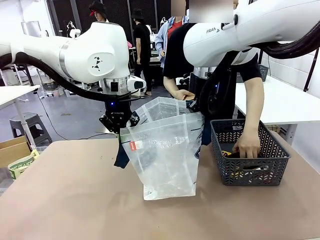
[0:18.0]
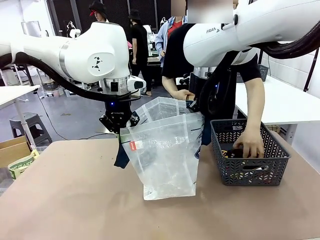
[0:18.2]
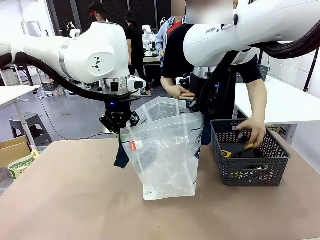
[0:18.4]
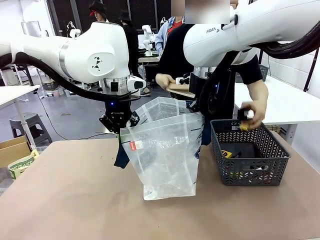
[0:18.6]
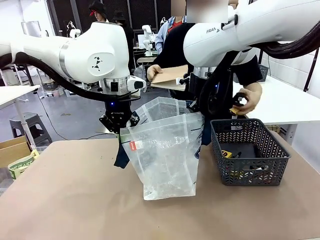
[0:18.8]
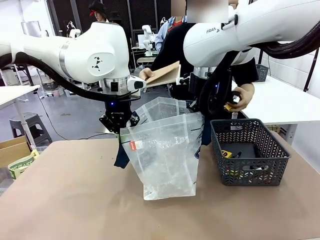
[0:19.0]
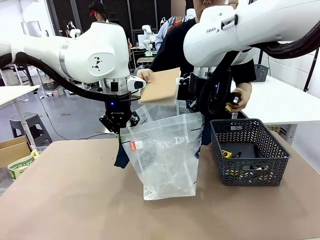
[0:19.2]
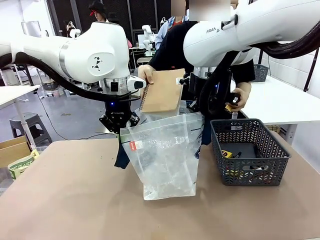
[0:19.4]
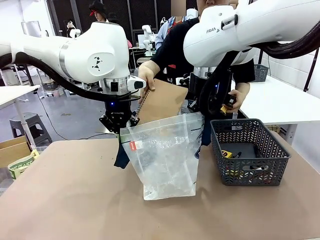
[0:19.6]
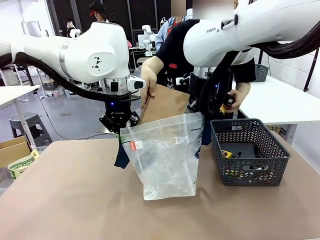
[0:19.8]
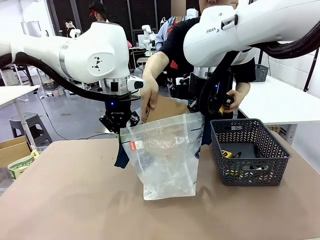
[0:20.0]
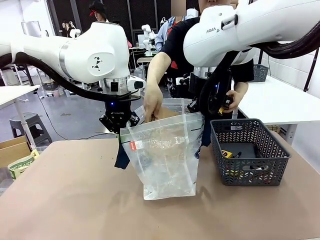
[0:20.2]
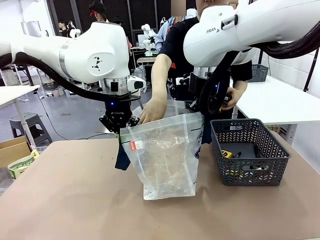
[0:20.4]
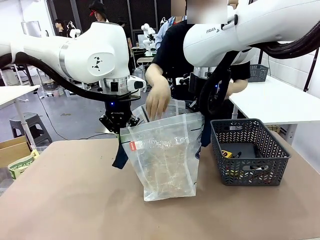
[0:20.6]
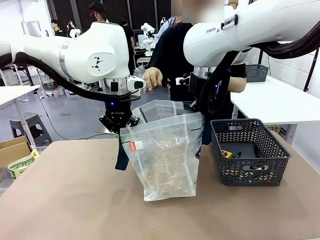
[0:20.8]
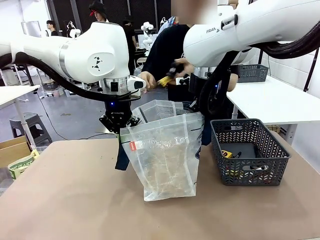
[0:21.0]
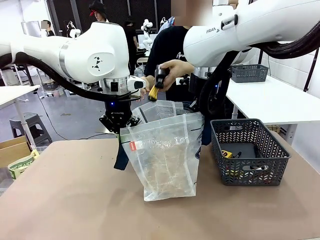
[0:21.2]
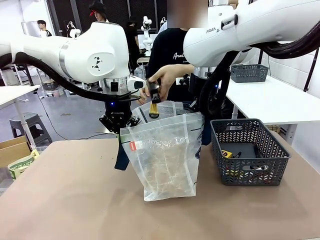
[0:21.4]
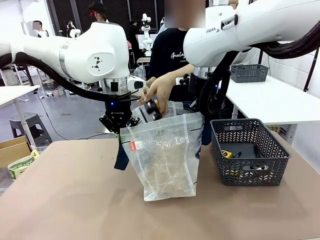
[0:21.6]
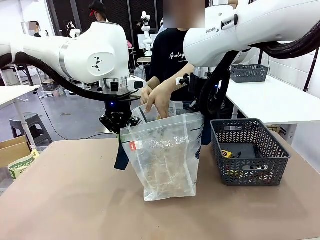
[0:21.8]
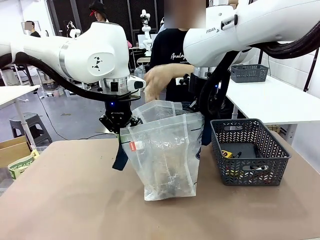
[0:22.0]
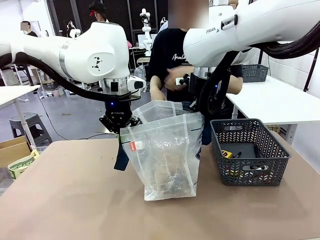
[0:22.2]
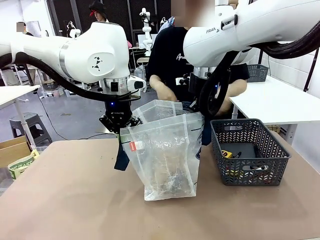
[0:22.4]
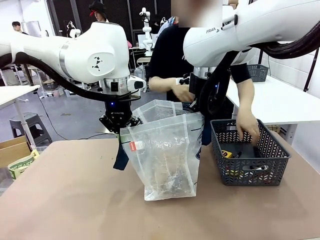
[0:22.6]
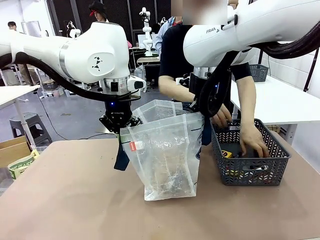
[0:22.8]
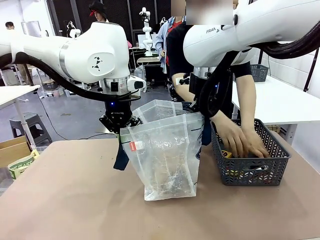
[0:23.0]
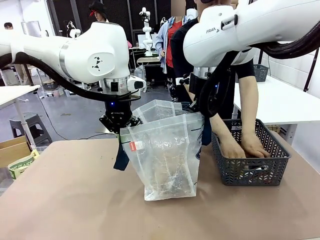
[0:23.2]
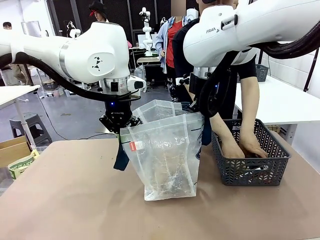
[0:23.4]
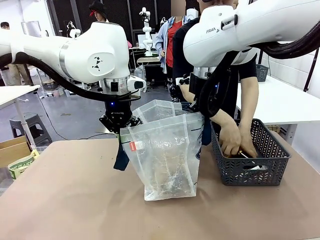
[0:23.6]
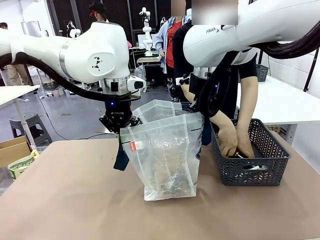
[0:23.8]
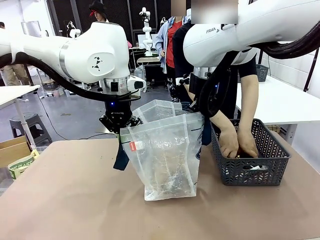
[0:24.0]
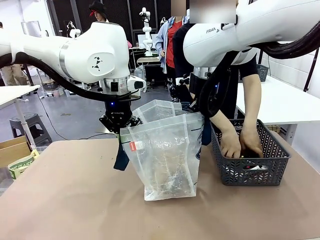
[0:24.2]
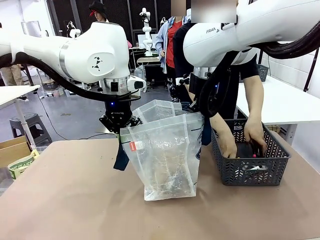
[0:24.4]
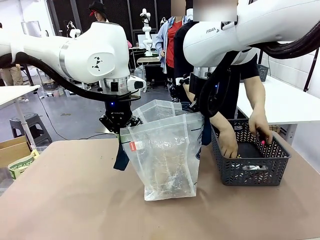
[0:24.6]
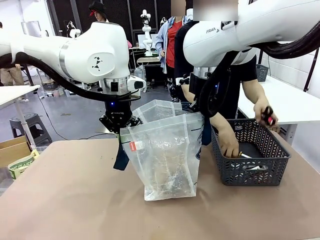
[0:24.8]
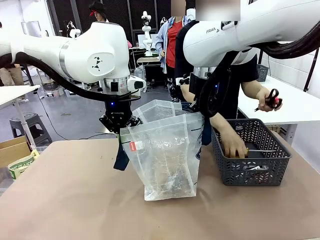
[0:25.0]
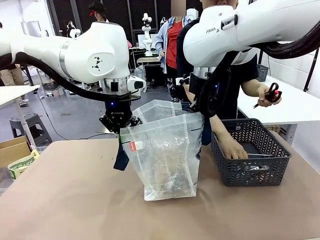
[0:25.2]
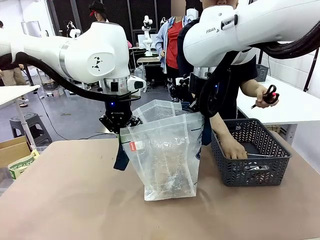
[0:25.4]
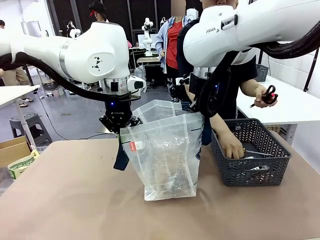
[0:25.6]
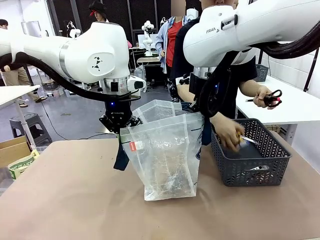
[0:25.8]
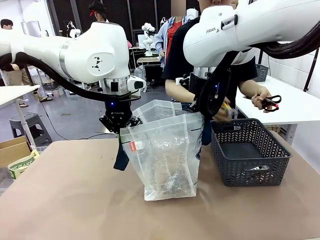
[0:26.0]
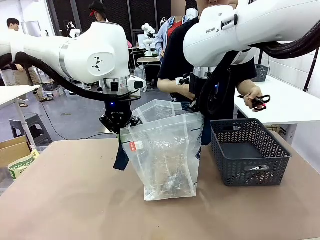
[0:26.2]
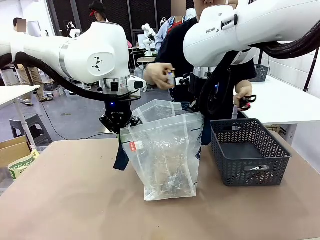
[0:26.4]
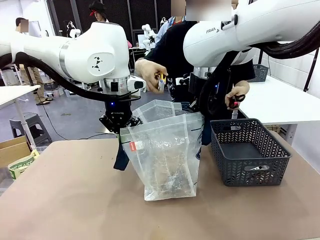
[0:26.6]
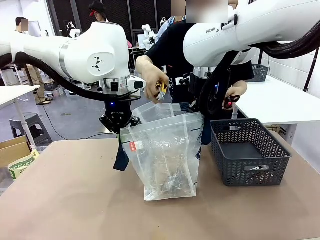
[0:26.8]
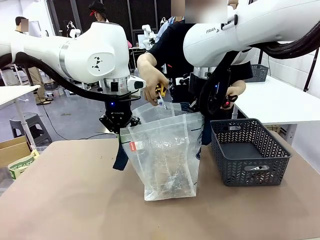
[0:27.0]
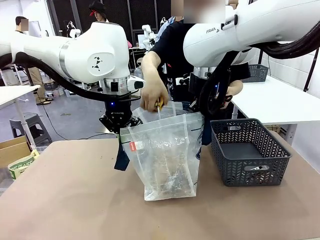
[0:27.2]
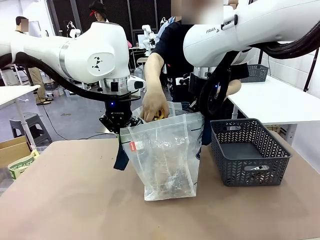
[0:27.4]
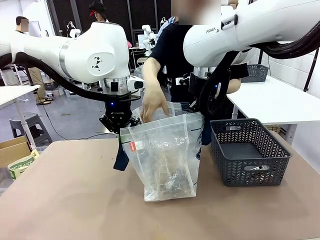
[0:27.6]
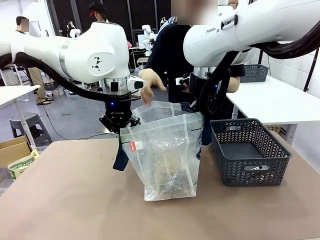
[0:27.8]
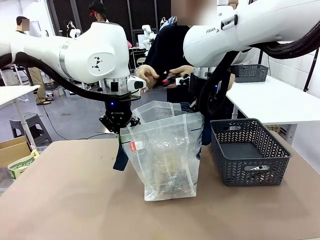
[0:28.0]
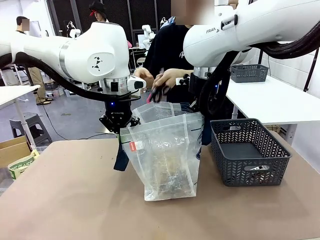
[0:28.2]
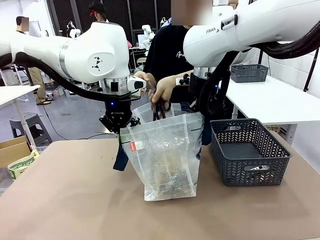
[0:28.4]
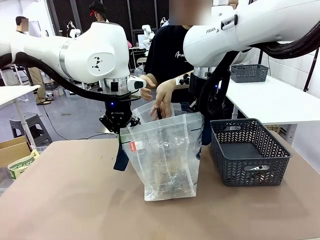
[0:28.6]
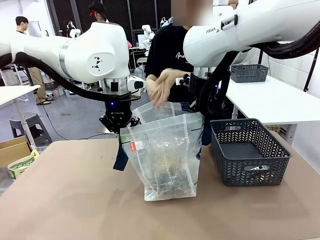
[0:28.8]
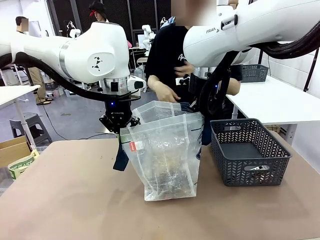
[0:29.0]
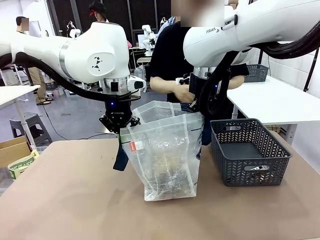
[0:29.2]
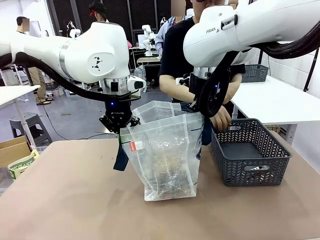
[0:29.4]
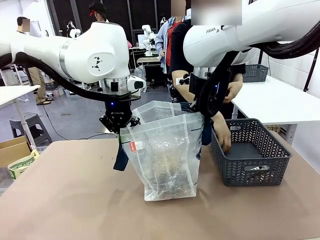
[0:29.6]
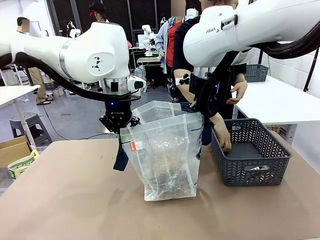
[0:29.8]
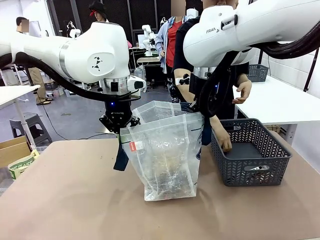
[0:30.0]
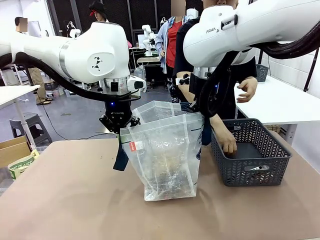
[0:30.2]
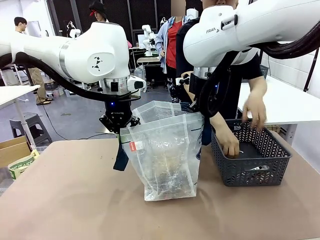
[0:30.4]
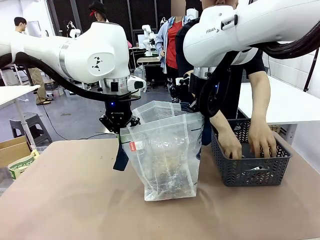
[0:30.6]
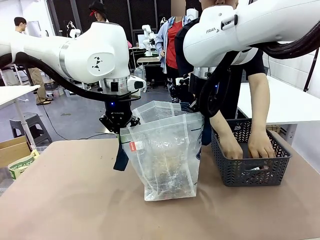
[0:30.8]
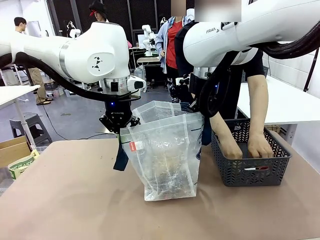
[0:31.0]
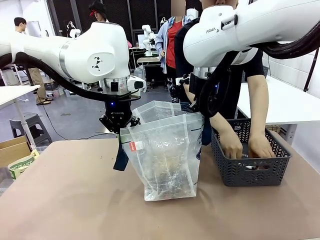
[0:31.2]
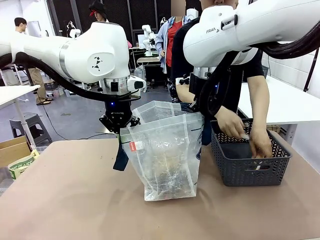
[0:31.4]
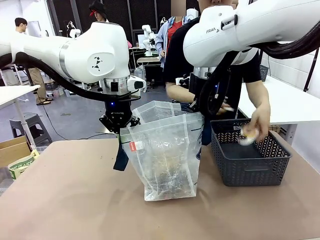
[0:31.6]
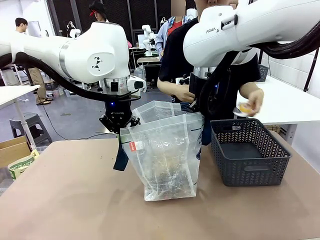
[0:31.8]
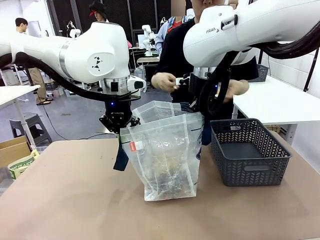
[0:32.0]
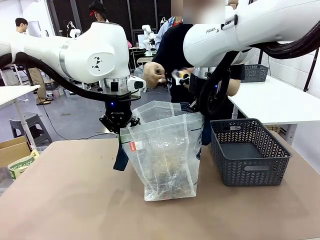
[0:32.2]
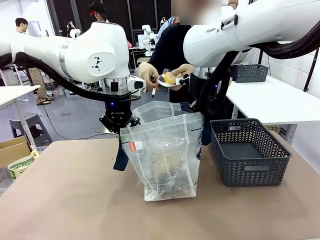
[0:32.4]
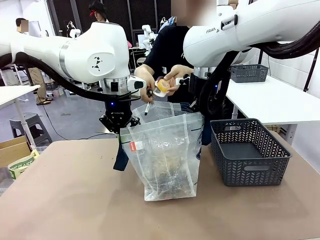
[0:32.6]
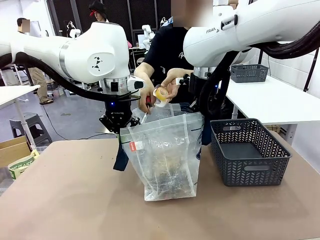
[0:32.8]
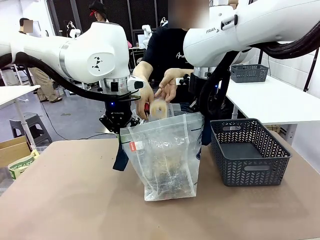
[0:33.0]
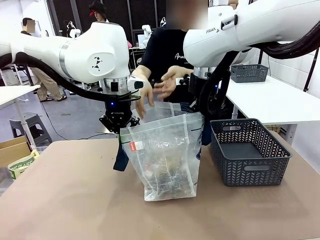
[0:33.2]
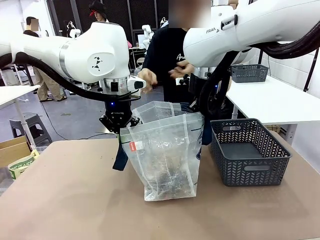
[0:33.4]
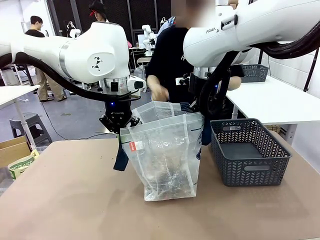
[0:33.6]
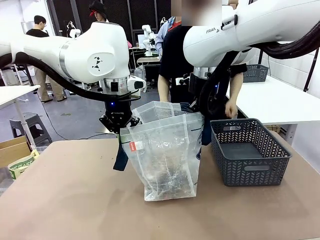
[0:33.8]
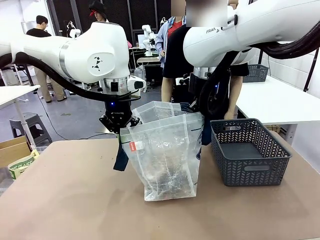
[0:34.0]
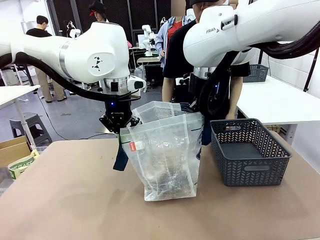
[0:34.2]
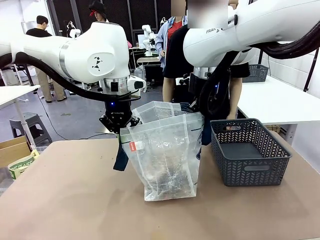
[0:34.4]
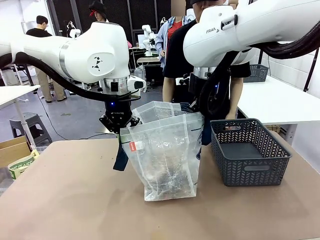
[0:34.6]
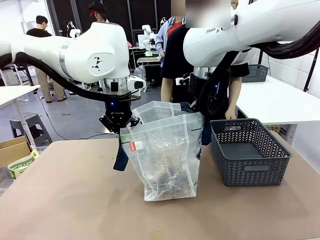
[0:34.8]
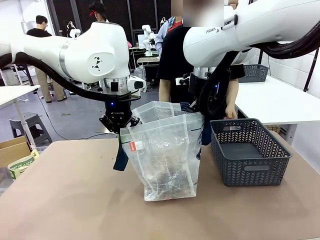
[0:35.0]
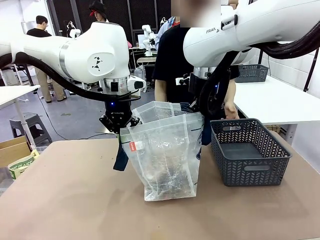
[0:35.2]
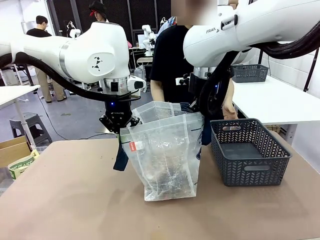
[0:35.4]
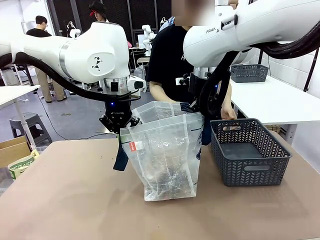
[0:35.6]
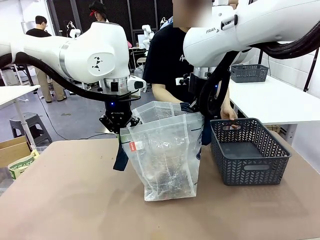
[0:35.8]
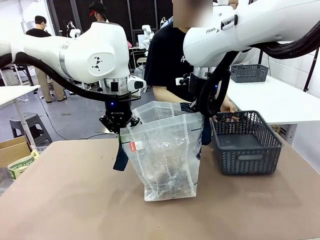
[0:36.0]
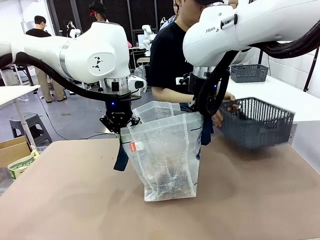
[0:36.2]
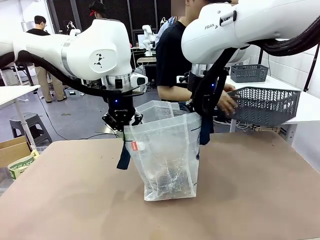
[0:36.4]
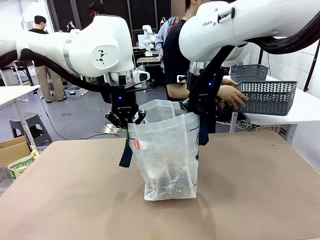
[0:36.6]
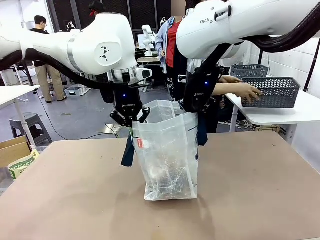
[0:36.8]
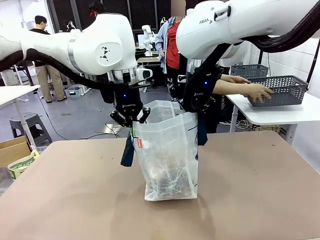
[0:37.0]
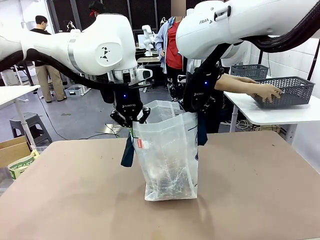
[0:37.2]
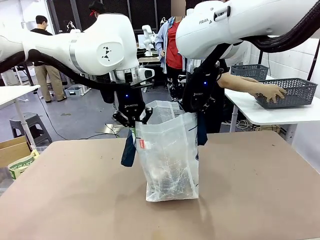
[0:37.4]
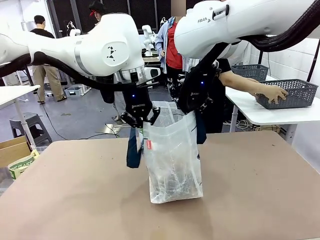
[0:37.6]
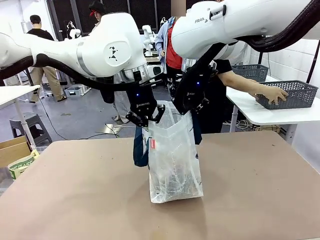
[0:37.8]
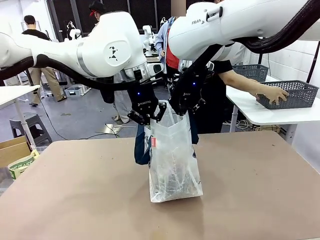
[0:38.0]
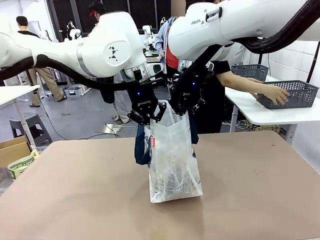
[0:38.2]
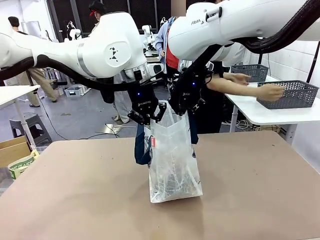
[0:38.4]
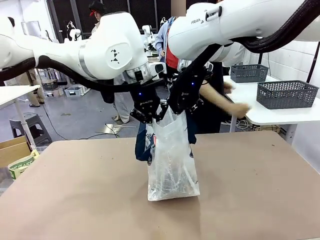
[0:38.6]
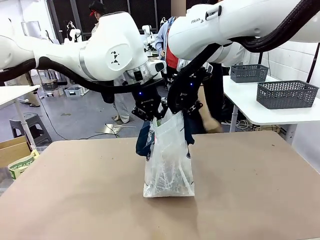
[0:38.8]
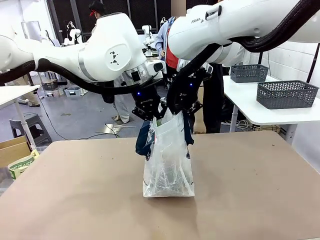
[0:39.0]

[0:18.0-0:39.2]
Task: Transfer purchased items from the store into the shopping bag.
Robot: Move the Reusable shopping bag to the right side of the table.
Person: Pick up the basket on the right, place it on the left side of the robot table, and move the items in the basket to the shopping bag. Pick up the basket with the items out and place it on the right side of the human table.
